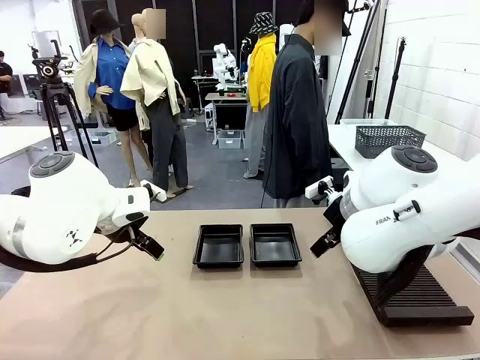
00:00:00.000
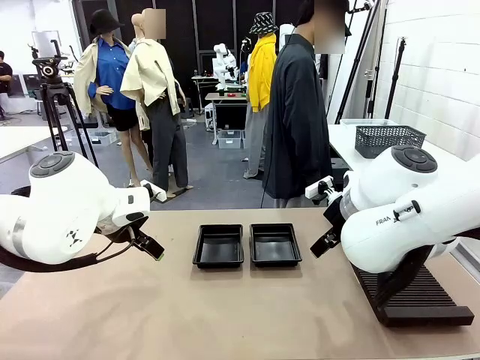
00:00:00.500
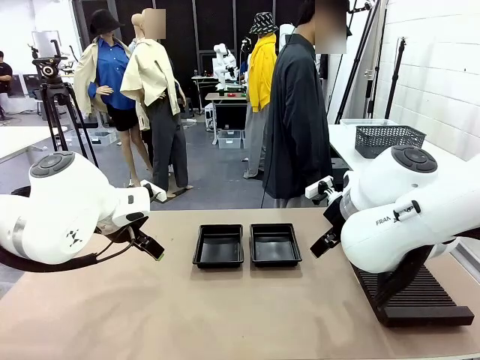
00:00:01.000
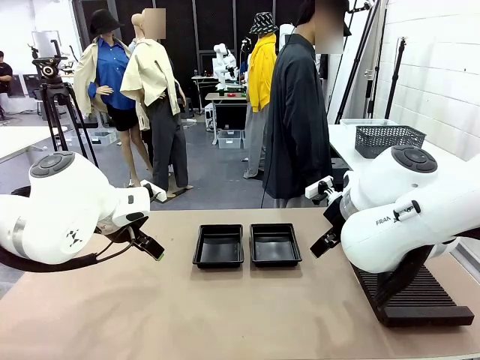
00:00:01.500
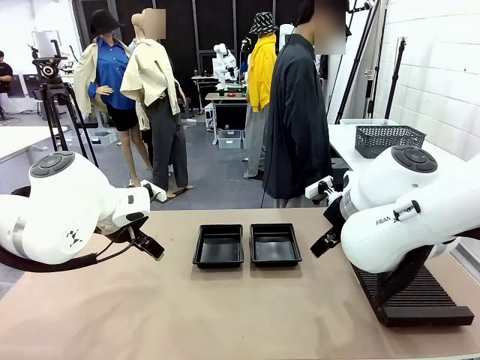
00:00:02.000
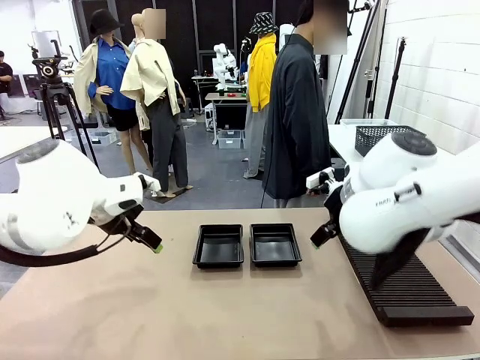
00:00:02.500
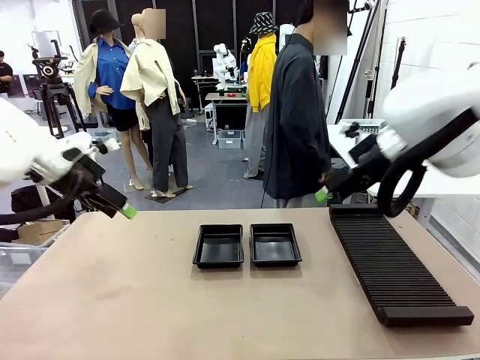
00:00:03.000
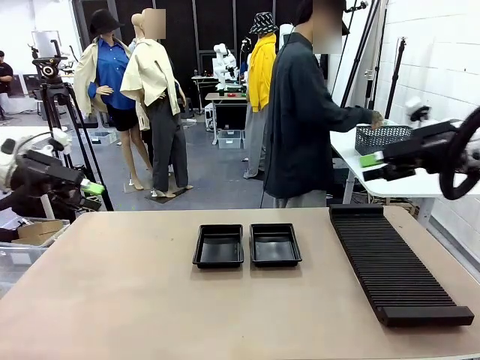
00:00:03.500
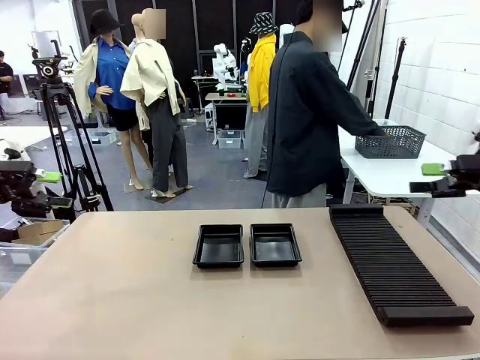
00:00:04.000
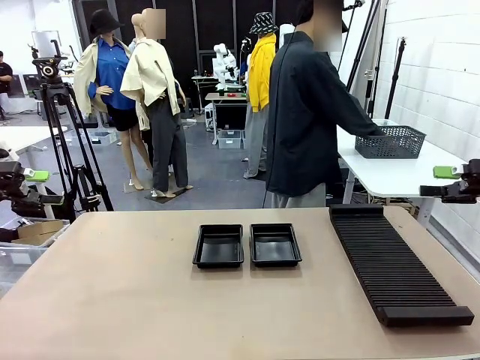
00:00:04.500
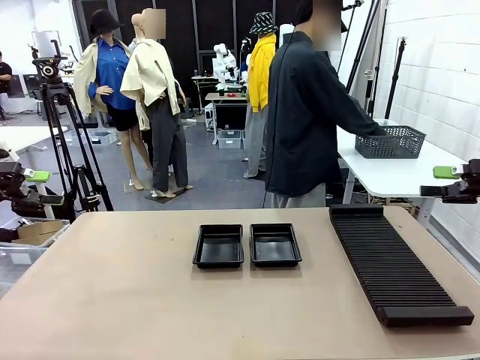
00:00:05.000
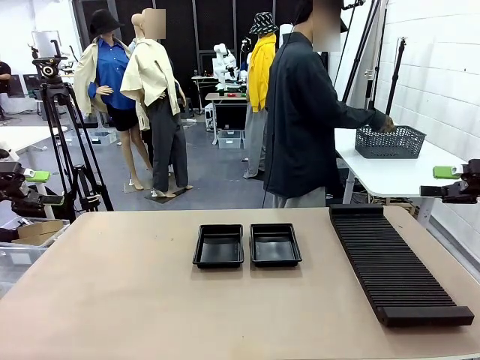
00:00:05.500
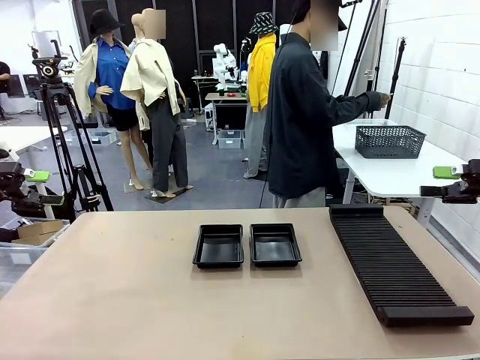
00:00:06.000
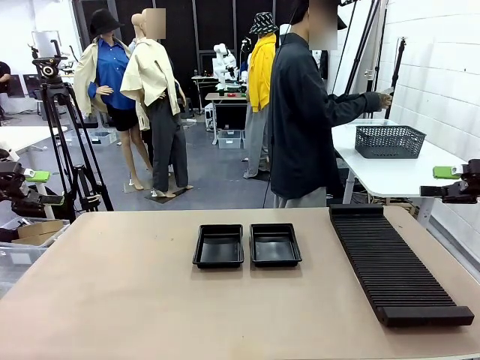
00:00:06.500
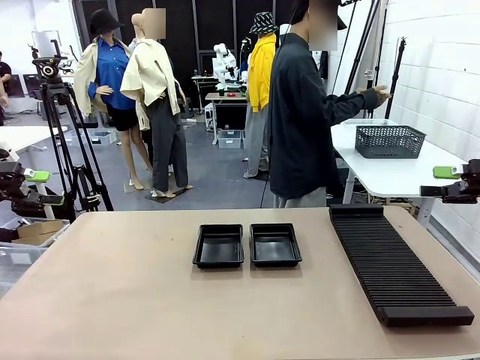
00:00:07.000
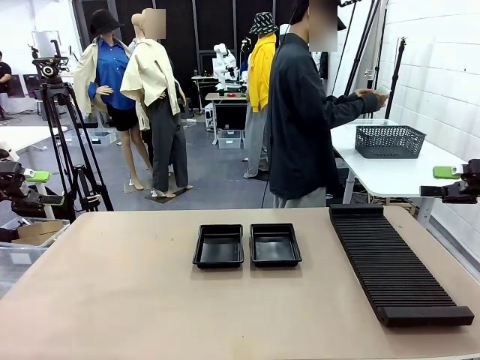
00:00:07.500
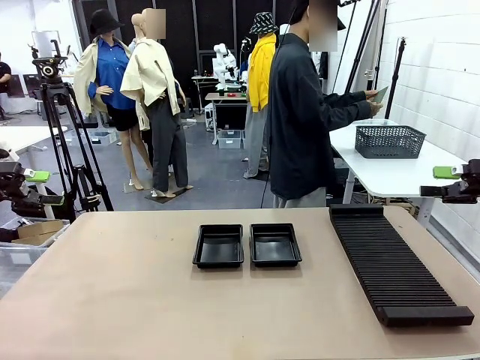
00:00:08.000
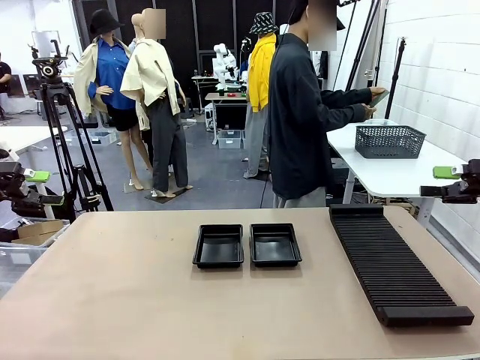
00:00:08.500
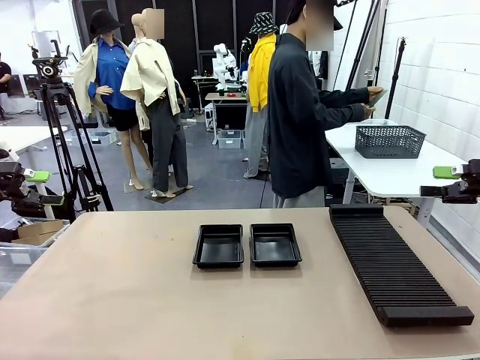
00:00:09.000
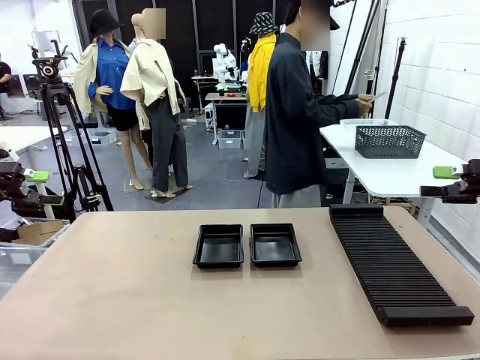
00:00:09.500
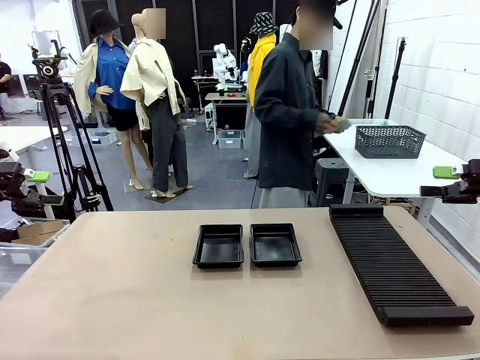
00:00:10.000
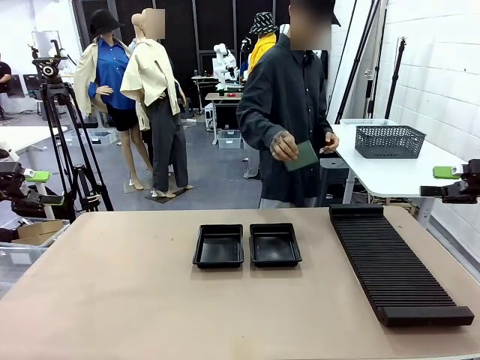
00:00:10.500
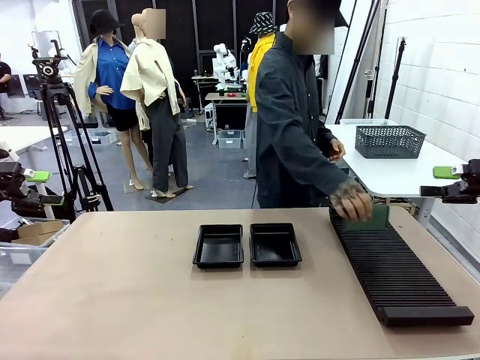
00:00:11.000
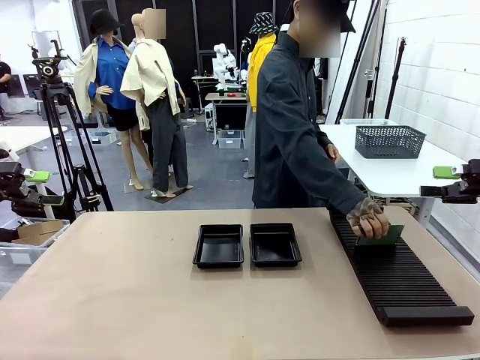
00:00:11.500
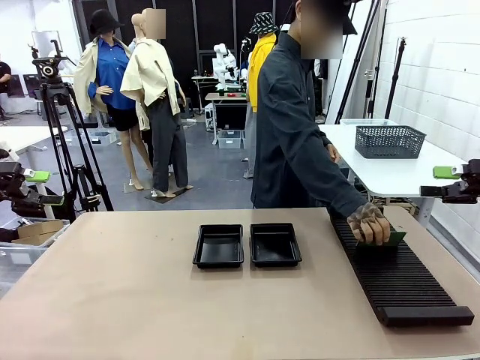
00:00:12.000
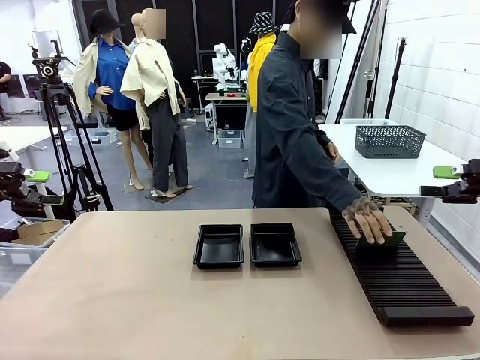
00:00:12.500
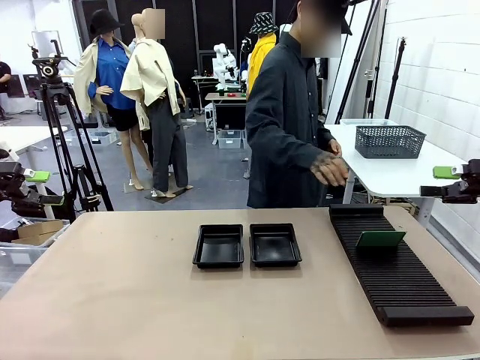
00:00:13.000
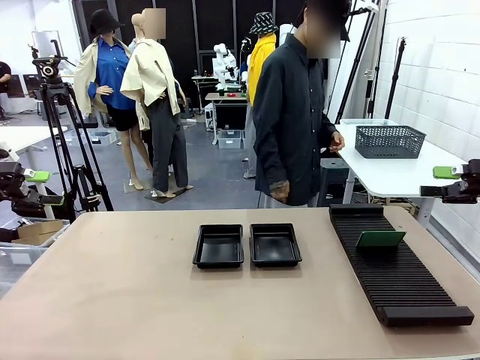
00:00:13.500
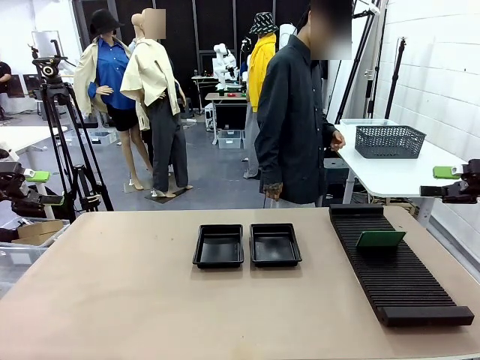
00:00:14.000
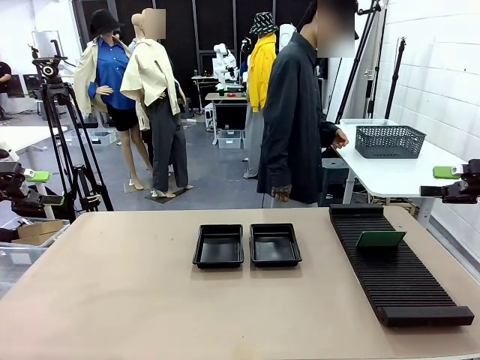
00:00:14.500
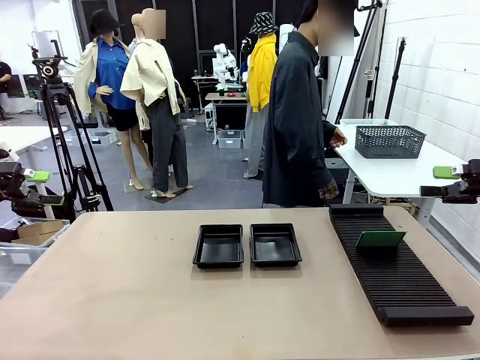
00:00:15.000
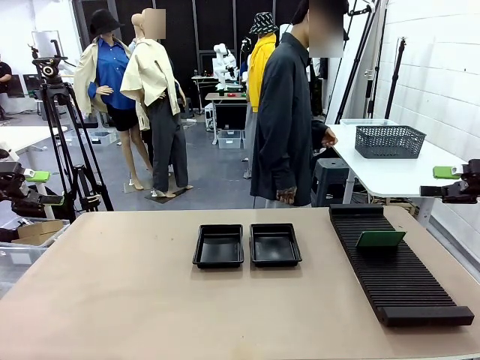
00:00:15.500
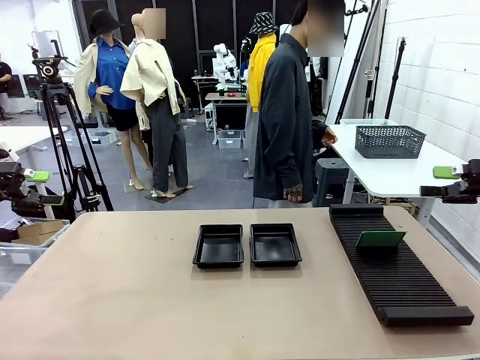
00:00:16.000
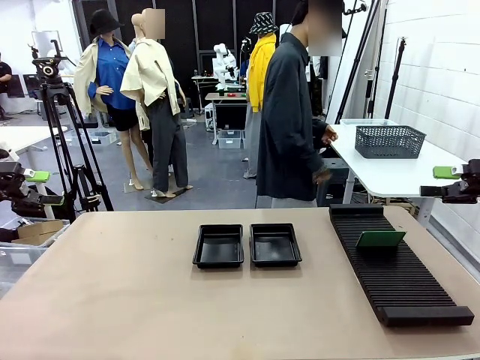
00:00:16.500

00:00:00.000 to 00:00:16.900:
Task: Inspect and transfer BCBs to ESD trays.
Robot: Pick up the Blank PCB from the PCB Rack and place it in the left ESD tray.
